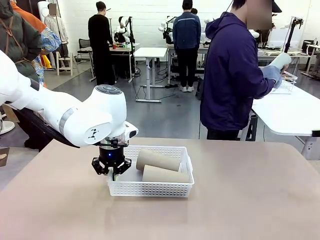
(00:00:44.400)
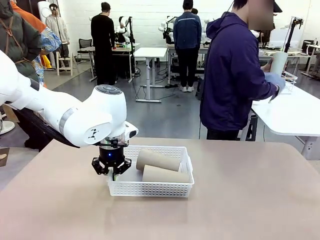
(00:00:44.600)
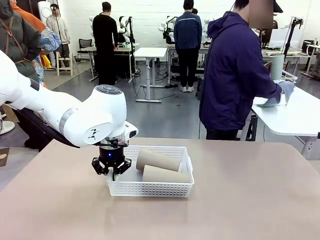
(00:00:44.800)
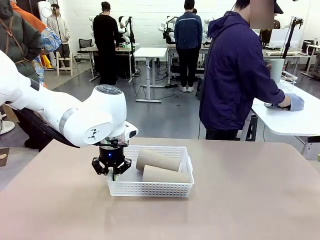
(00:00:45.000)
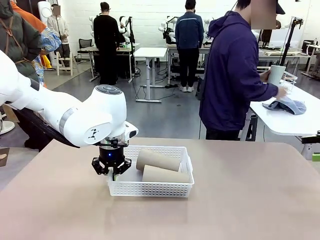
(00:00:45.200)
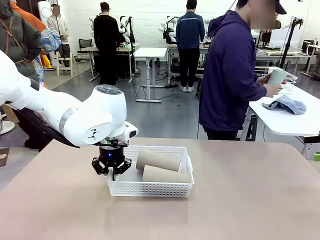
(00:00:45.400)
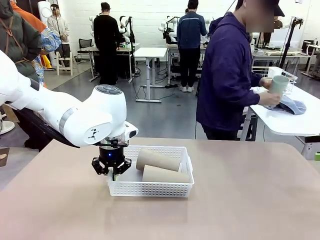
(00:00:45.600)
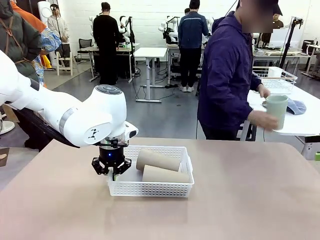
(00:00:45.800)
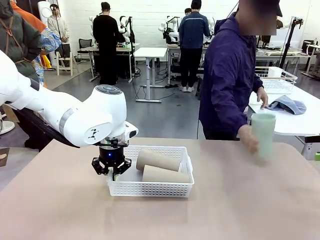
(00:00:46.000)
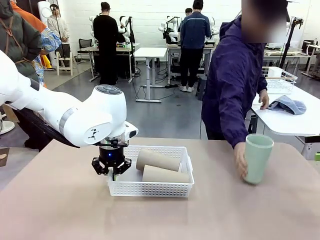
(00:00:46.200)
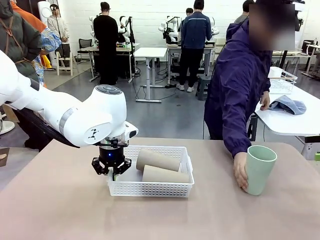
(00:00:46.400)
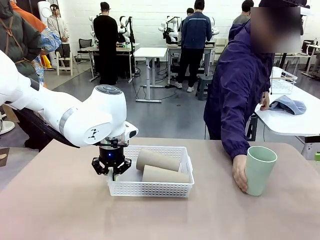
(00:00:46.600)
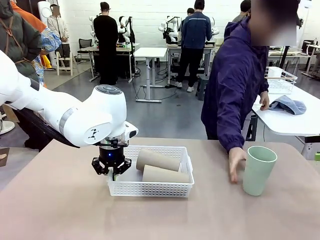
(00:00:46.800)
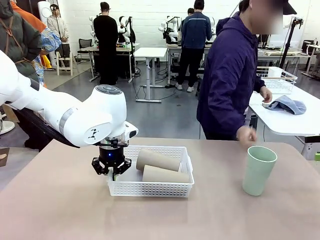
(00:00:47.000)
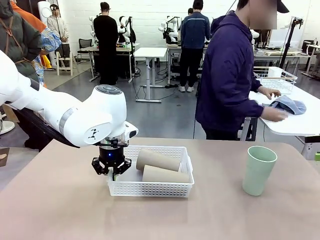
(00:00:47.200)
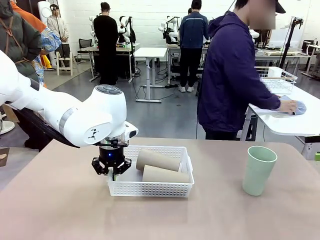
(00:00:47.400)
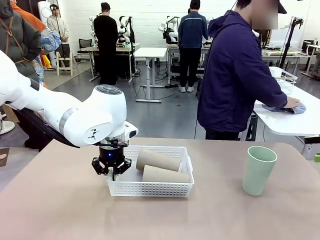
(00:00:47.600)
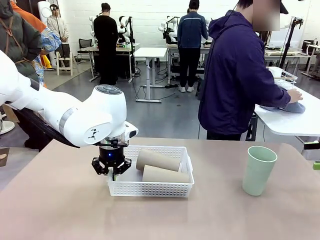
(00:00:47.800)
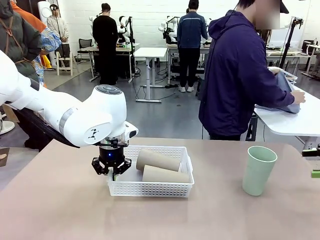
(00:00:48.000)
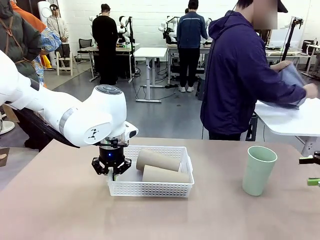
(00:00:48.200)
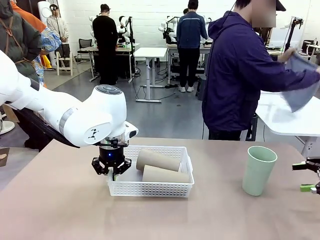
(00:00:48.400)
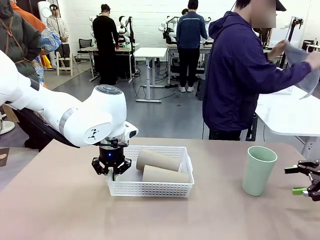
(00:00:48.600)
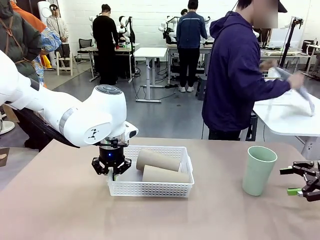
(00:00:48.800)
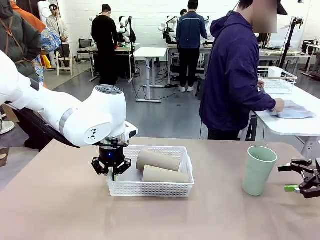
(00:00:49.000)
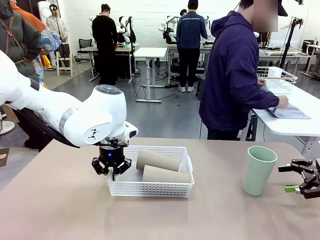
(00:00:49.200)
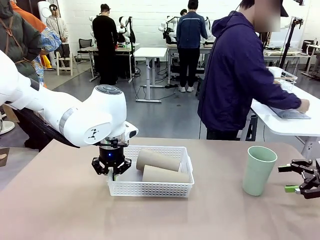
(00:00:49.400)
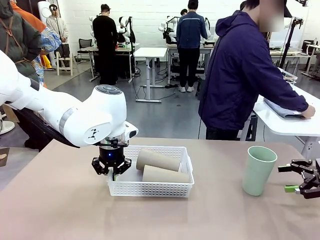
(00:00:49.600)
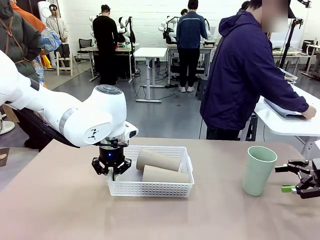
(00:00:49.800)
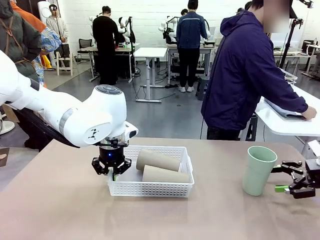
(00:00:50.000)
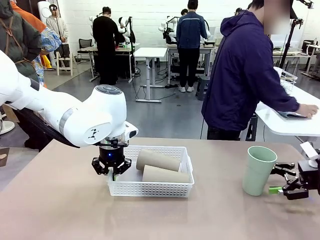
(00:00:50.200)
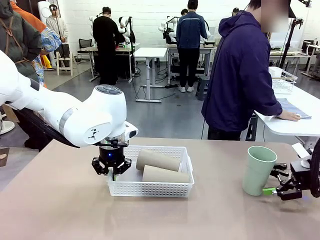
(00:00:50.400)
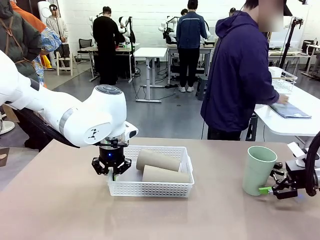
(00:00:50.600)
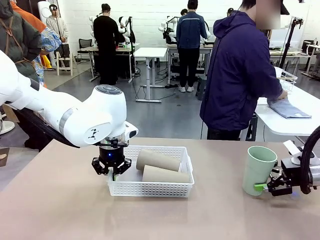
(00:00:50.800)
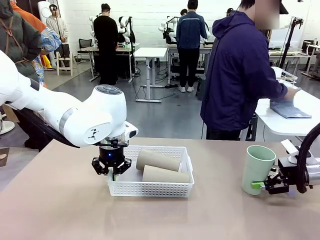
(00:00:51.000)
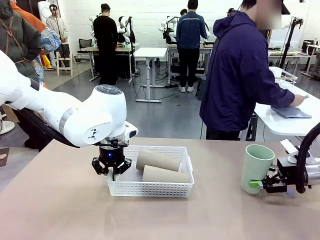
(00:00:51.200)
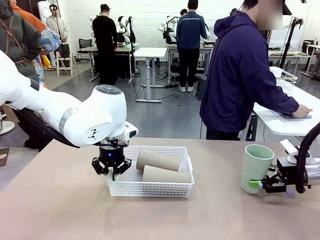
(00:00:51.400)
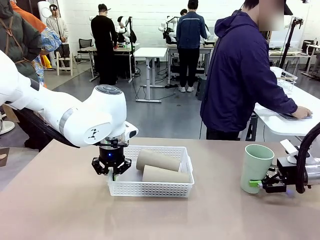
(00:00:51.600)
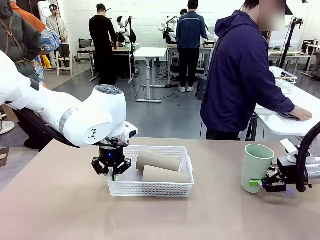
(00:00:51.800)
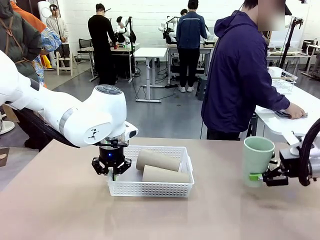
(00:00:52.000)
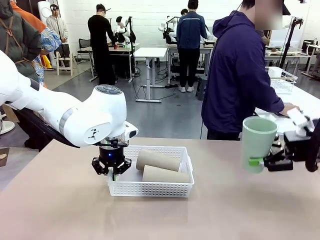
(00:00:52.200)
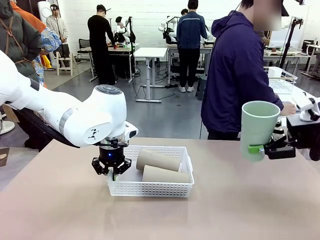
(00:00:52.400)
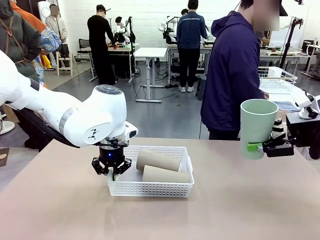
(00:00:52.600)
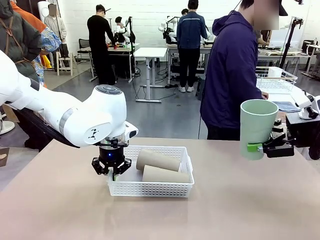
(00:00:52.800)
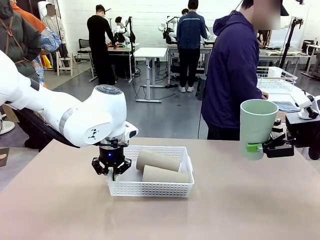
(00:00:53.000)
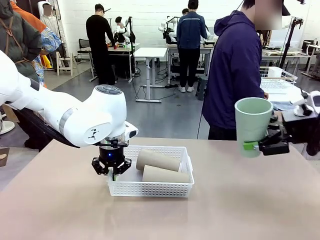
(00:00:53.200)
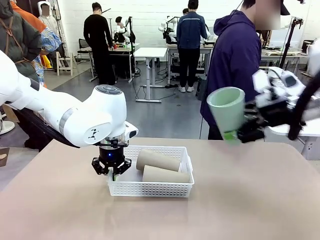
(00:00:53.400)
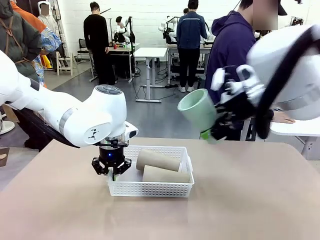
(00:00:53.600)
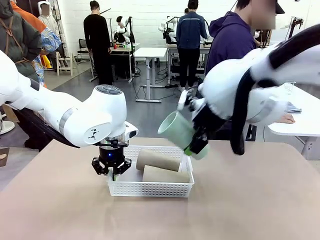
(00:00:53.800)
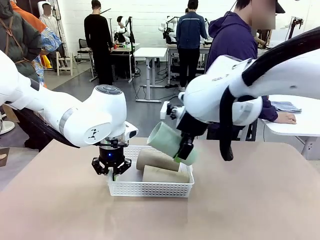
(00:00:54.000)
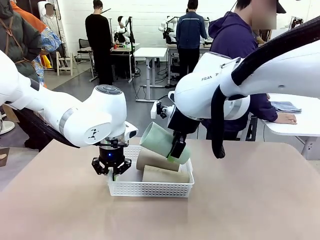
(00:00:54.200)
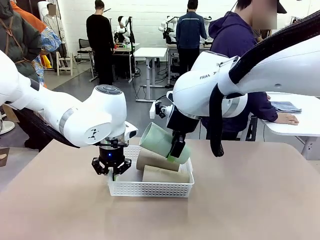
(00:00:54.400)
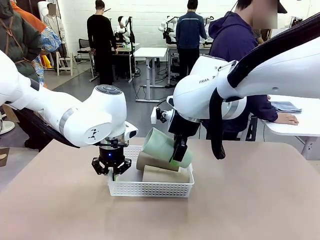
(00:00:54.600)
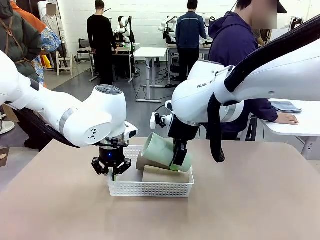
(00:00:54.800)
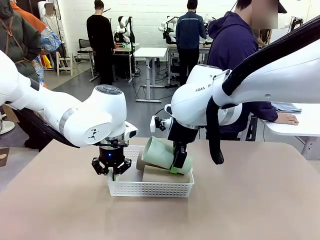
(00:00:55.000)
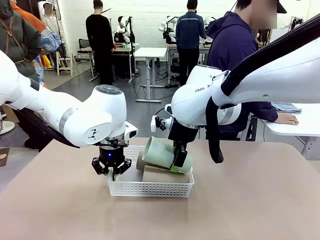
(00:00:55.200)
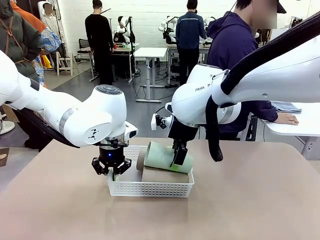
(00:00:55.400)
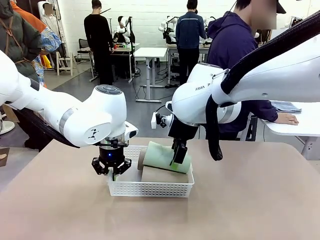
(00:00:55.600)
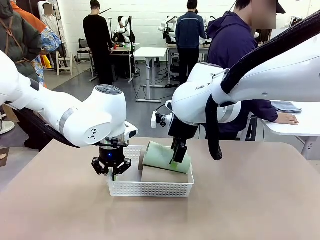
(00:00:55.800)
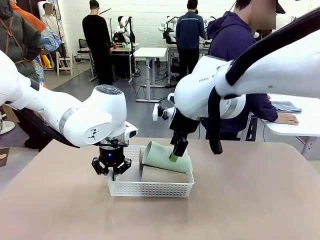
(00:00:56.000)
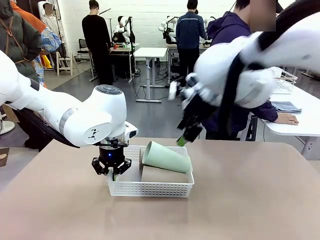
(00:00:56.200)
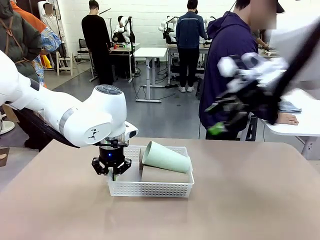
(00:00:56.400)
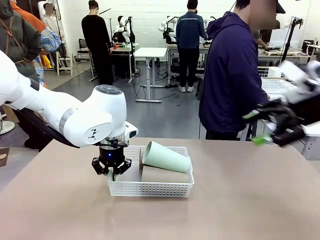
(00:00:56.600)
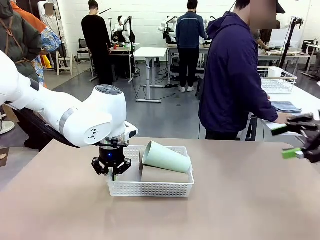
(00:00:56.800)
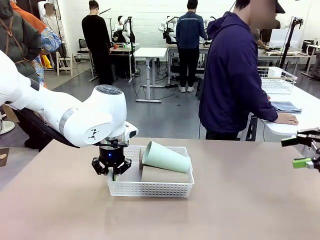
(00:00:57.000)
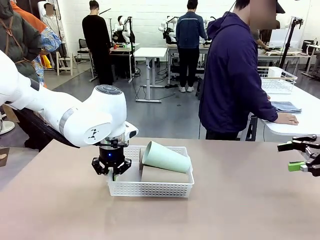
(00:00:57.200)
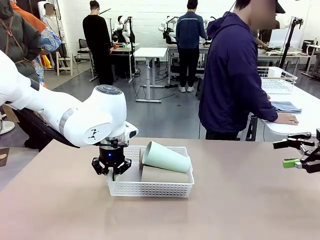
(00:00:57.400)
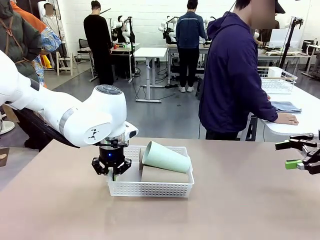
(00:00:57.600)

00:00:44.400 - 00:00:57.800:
Task: Clean and organize the cups into the basket.
Robot: Pick up the Reusable plastic cup from the right side of the table and stack it inside the Organizing basket in the center of the table.
Person: Folds the towel in half twice and places it in the right of the table.

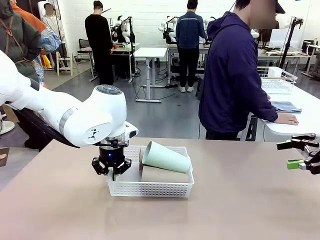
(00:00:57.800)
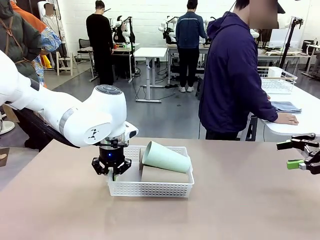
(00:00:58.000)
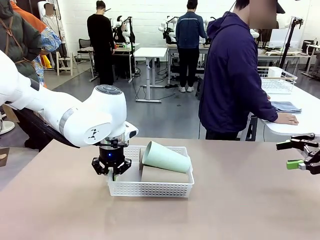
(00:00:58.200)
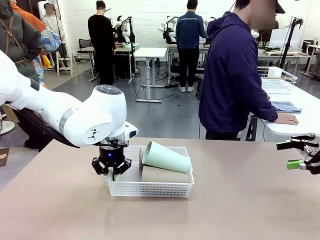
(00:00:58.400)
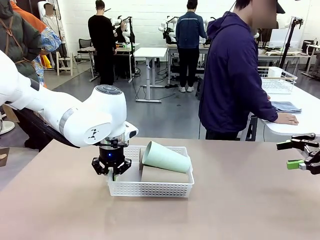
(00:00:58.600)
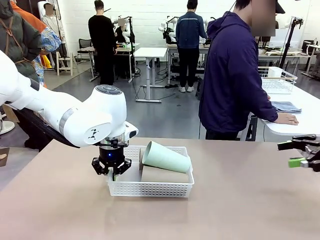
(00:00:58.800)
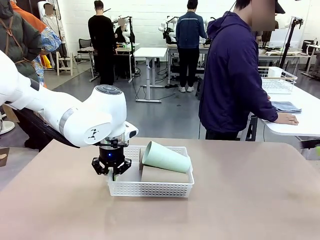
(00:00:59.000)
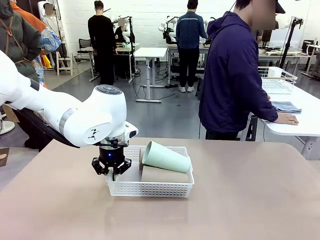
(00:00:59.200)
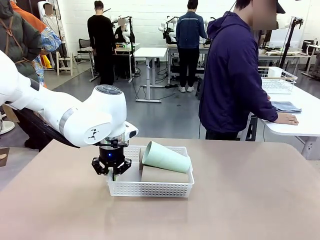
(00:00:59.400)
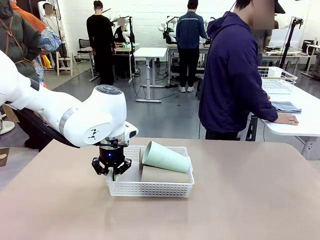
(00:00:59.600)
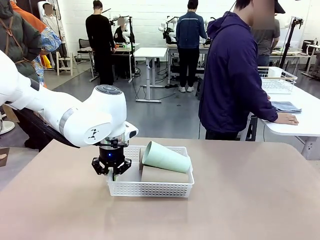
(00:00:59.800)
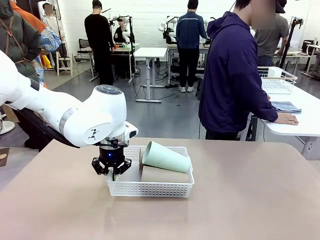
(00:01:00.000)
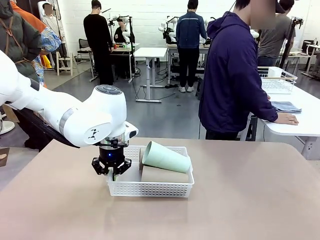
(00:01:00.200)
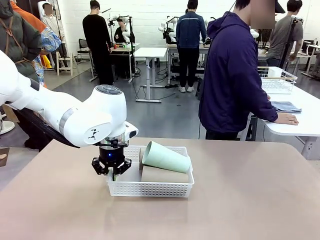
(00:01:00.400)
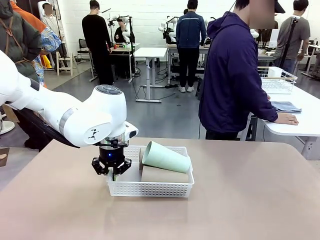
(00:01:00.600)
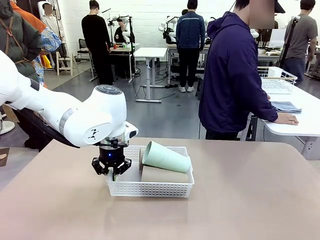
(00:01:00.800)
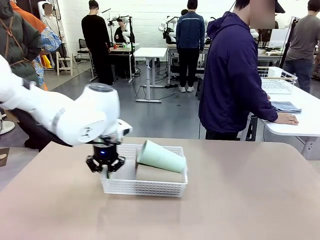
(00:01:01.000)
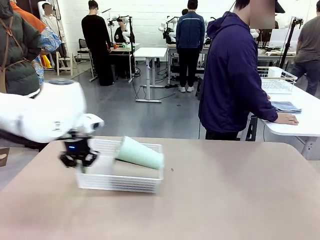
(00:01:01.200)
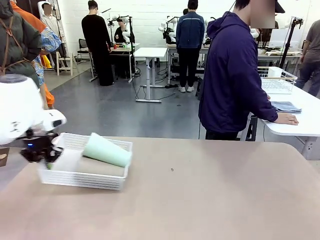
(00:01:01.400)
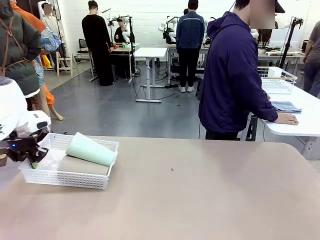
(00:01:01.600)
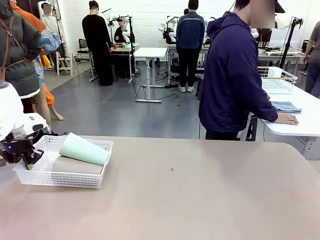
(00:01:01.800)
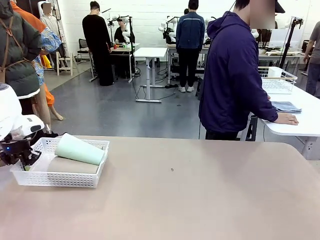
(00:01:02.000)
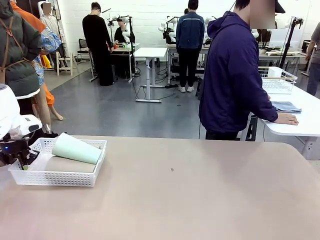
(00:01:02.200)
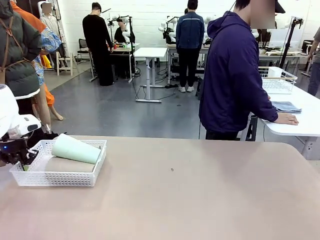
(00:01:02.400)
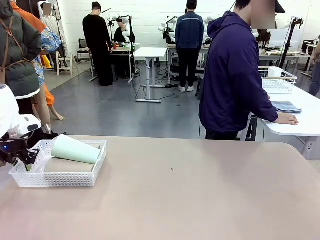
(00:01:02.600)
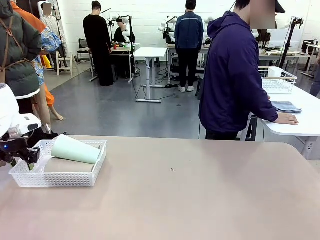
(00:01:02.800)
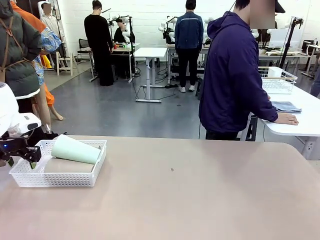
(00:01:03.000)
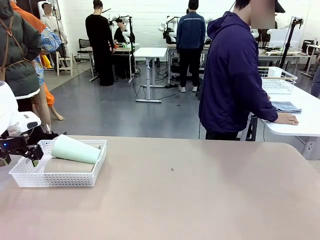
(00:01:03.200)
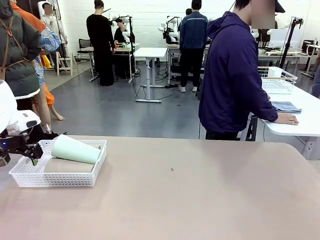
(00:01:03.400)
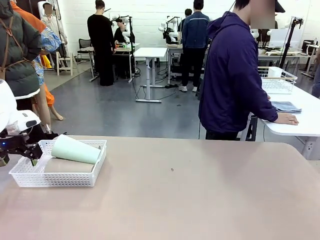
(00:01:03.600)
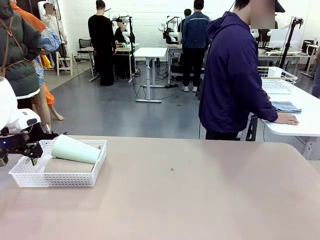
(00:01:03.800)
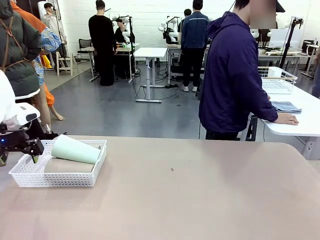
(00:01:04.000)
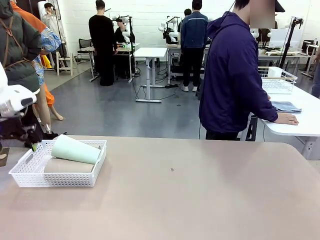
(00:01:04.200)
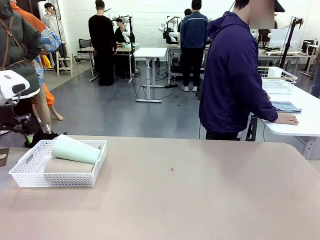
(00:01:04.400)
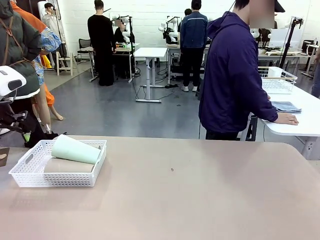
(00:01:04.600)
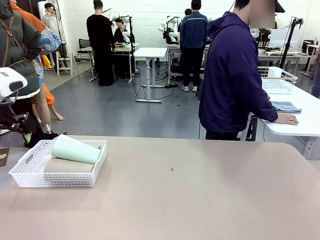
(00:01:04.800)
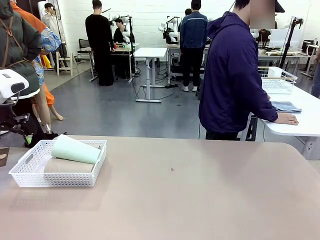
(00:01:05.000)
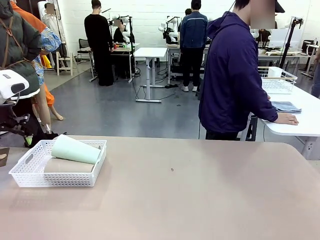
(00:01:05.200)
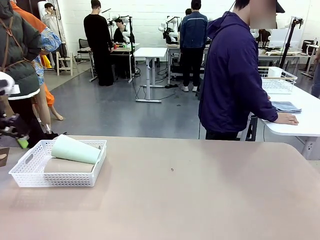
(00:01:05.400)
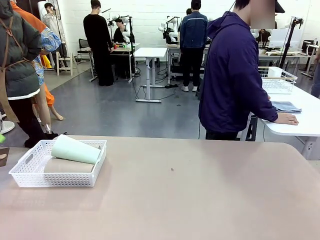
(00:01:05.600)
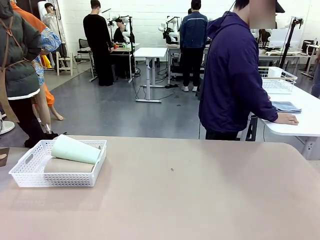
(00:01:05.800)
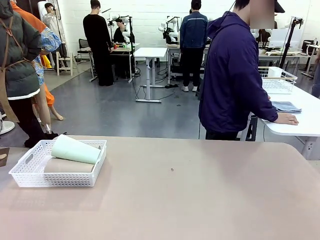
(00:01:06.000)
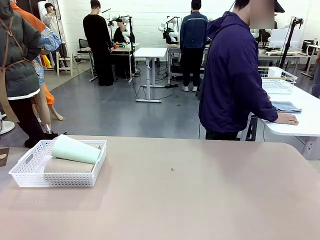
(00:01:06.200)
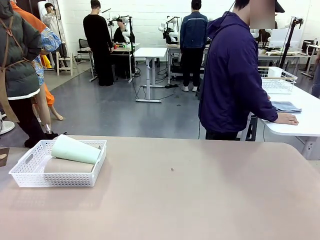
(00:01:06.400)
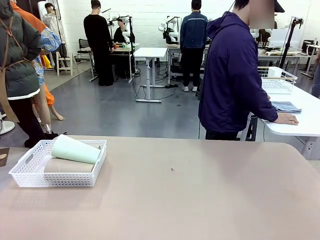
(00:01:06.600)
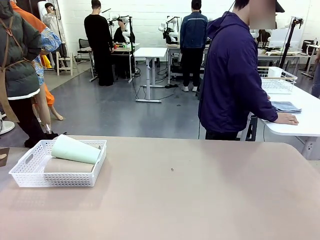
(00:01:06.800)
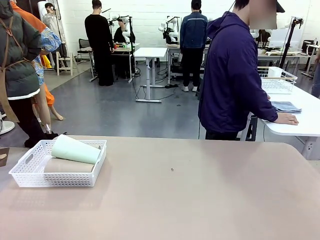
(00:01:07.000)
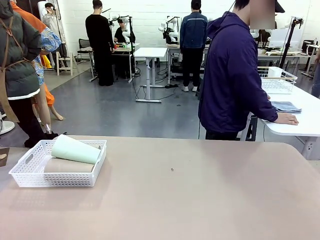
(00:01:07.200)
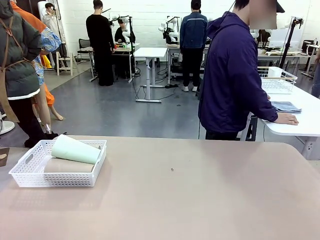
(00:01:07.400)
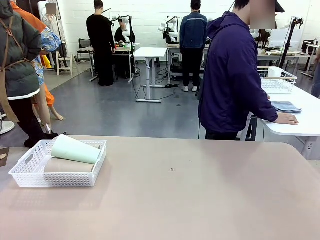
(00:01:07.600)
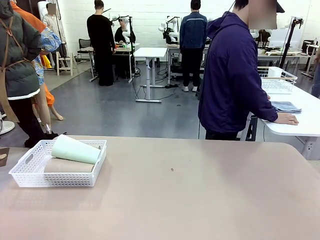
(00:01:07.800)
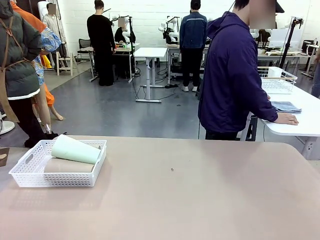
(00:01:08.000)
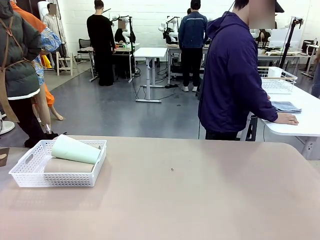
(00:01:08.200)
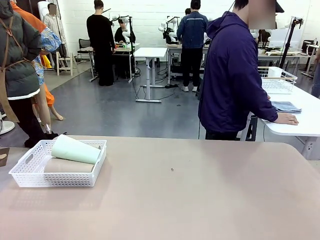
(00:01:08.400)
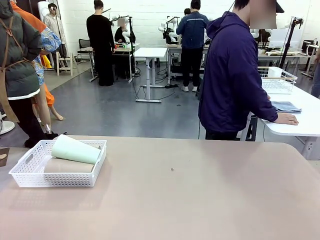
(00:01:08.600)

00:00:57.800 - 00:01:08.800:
Robot: Move the Organizing basket back to the left side of the table.
